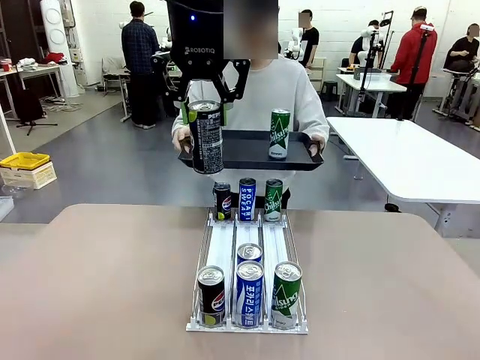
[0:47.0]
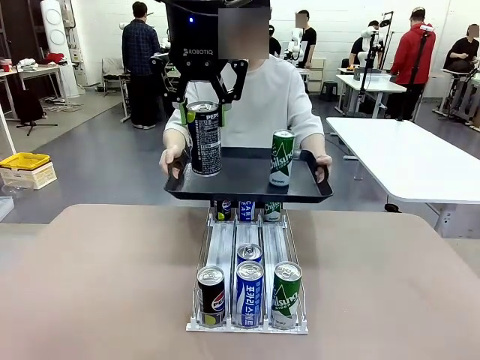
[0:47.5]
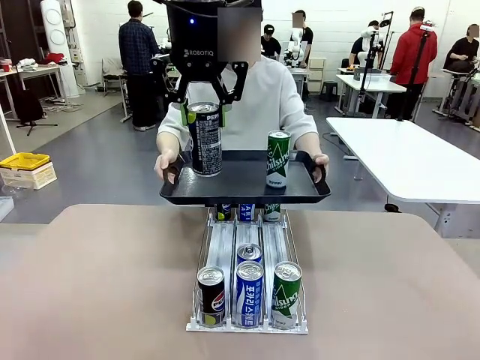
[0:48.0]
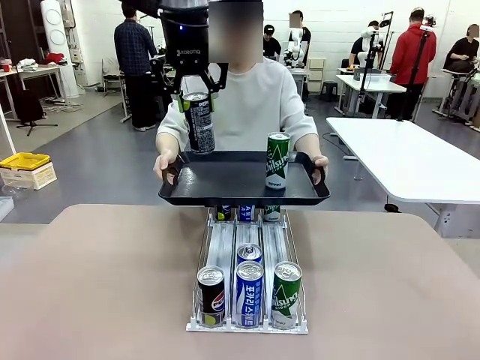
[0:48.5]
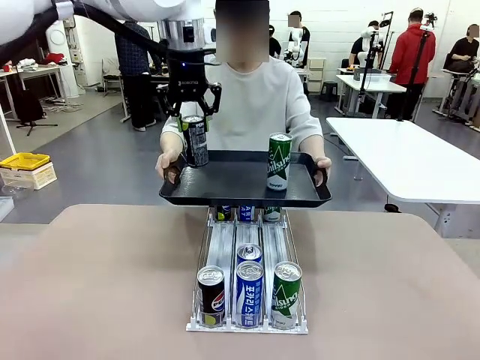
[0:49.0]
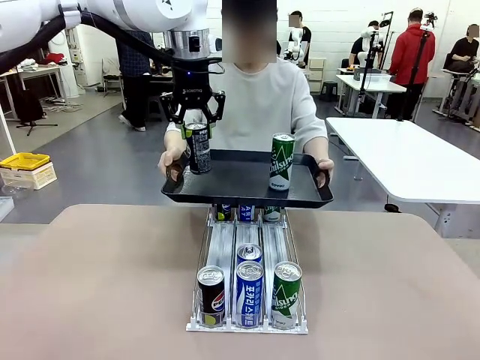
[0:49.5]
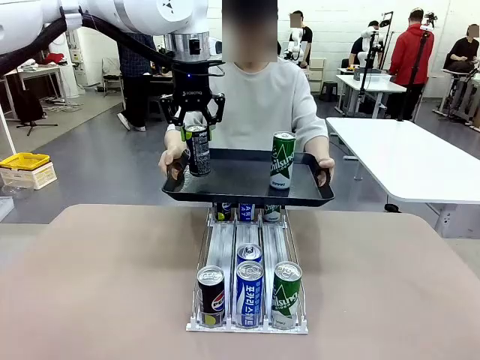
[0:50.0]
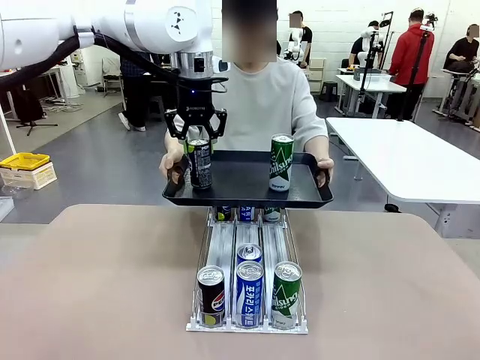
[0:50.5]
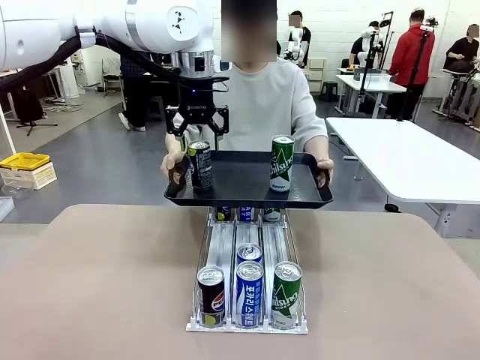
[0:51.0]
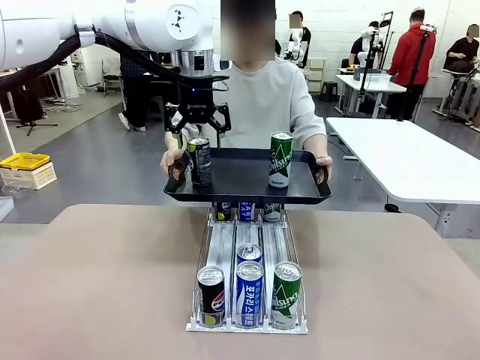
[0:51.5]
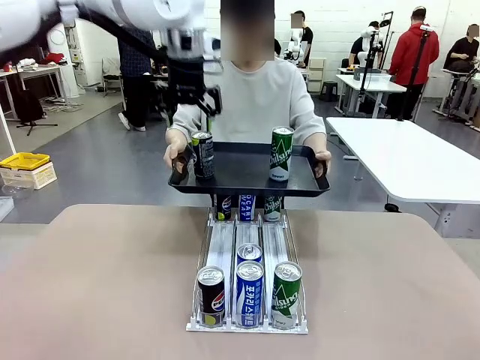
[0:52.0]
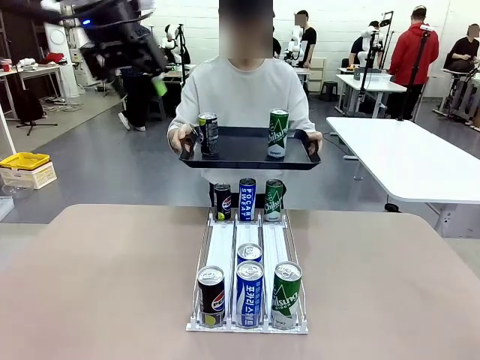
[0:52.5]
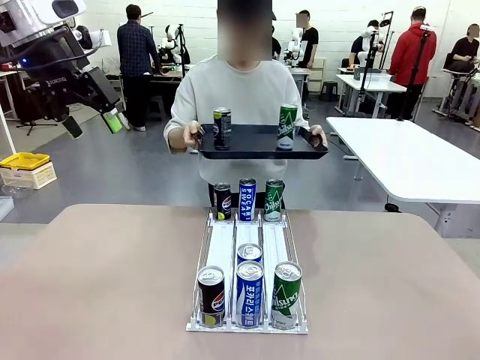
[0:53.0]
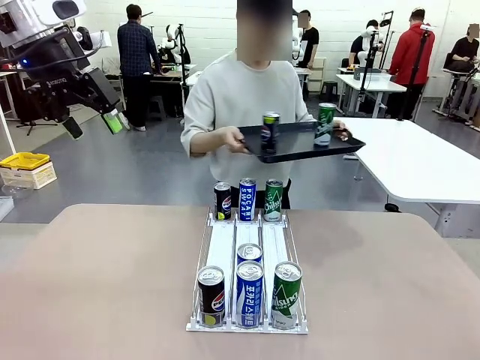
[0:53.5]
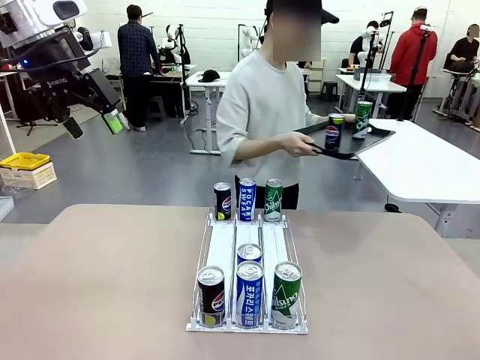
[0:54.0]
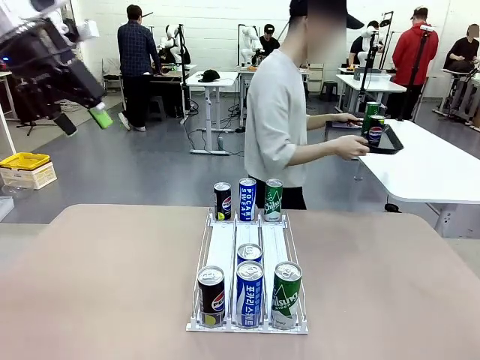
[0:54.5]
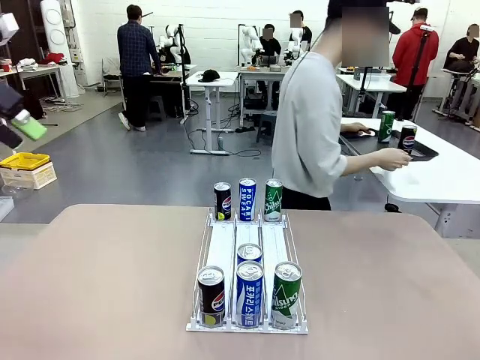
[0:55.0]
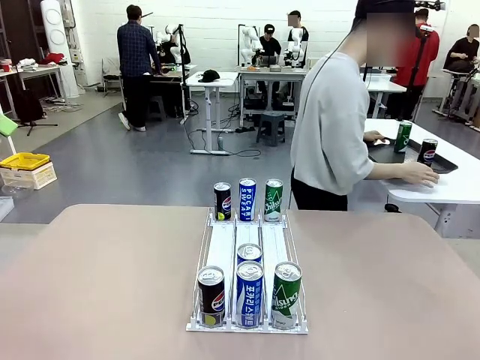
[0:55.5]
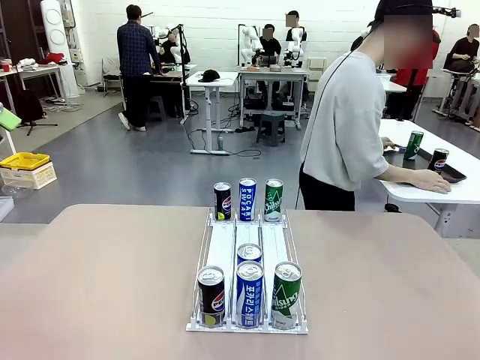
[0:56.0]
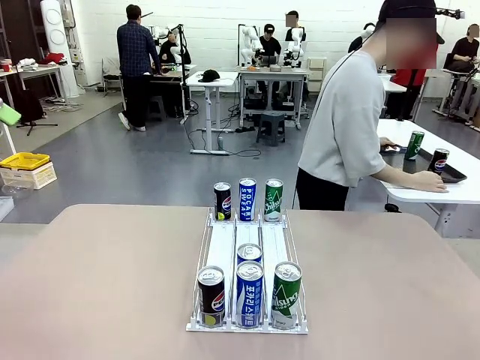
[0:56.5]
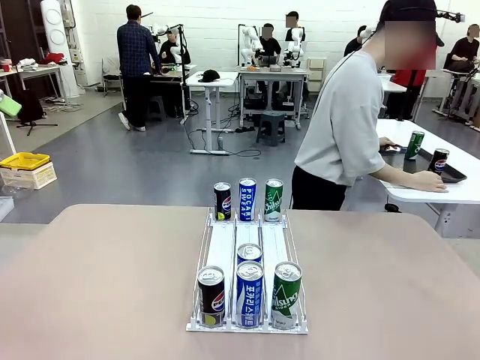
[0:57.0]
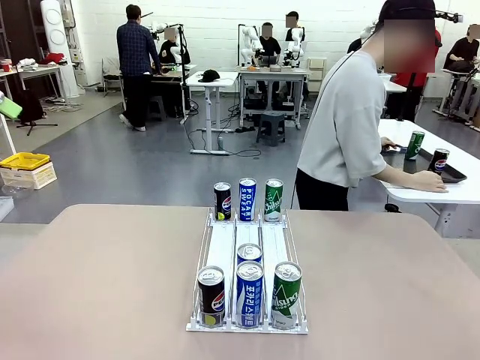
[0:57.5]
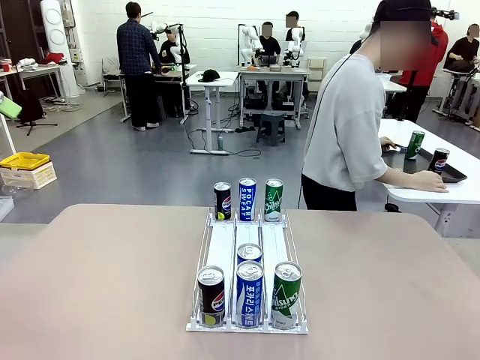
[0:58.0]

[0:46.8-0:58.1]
Task: Retrieve and hand over the desired beverage to the person.
Robot: Place the picked can on the Handle tray extended by the person.
Person: Pull the tray back and place it at the center of the human table.

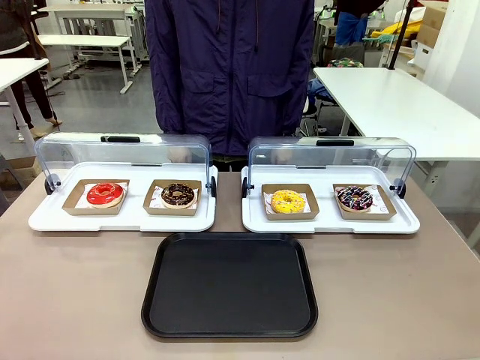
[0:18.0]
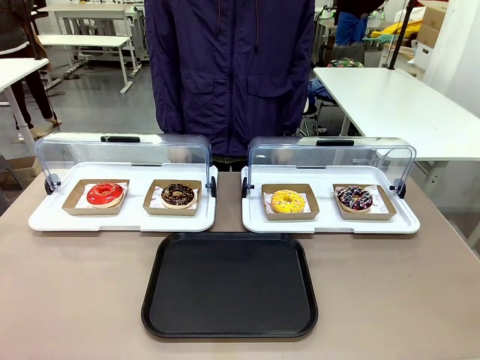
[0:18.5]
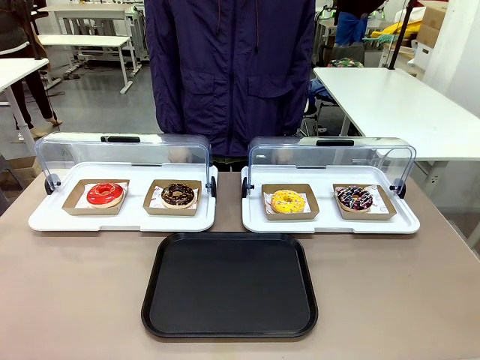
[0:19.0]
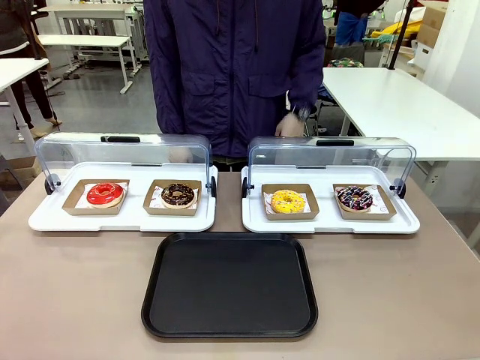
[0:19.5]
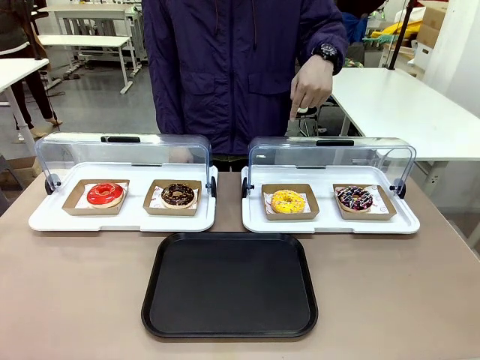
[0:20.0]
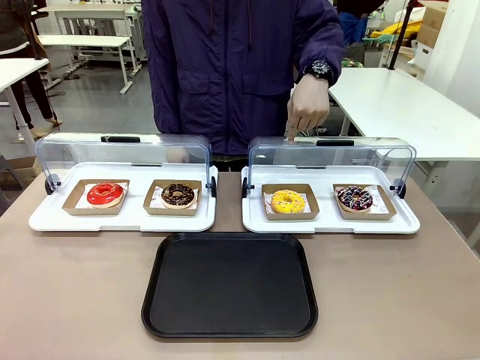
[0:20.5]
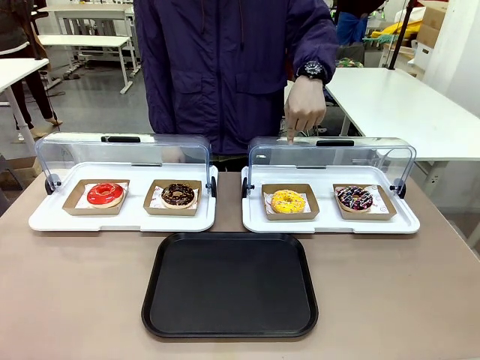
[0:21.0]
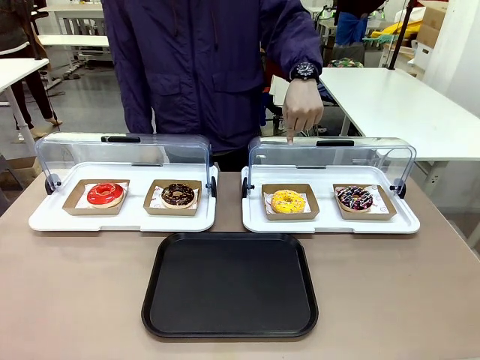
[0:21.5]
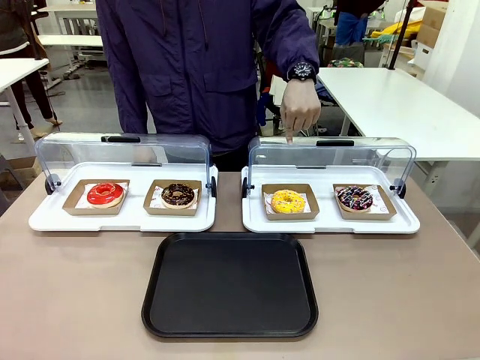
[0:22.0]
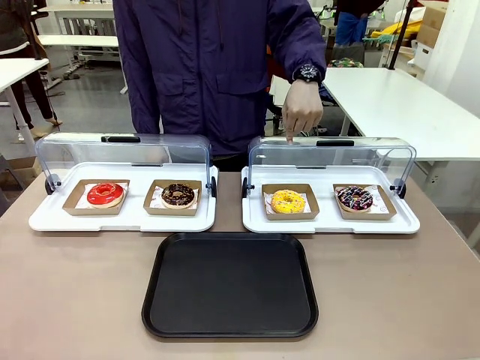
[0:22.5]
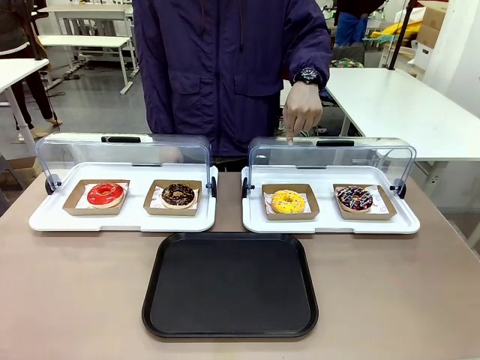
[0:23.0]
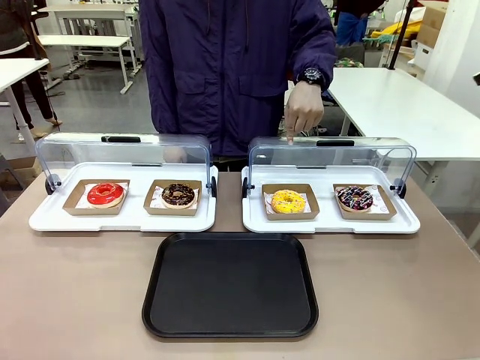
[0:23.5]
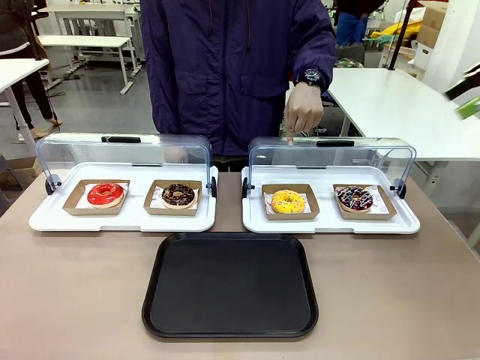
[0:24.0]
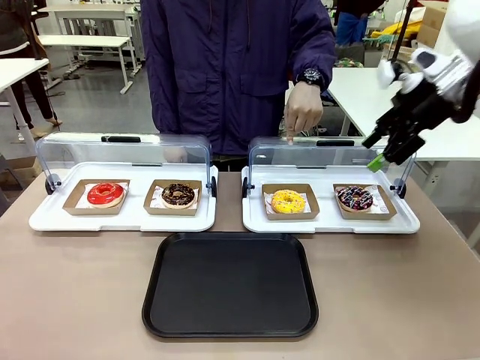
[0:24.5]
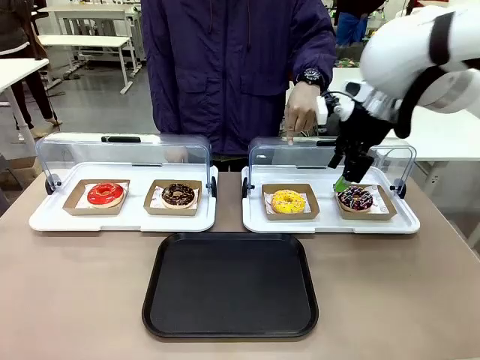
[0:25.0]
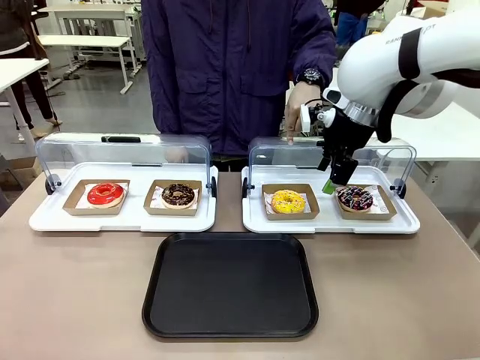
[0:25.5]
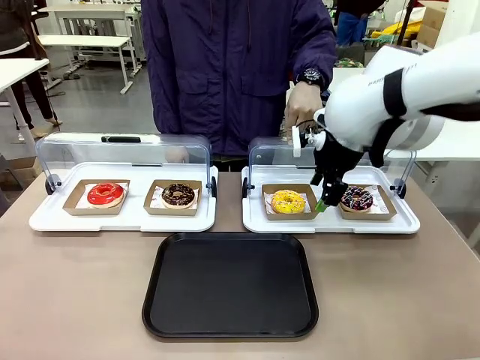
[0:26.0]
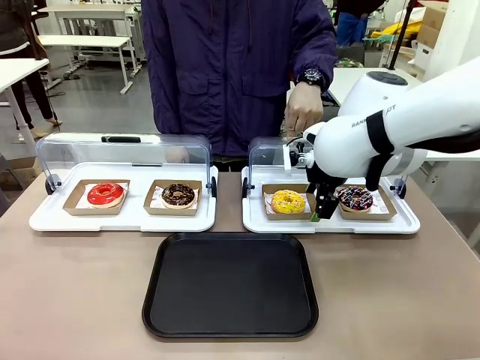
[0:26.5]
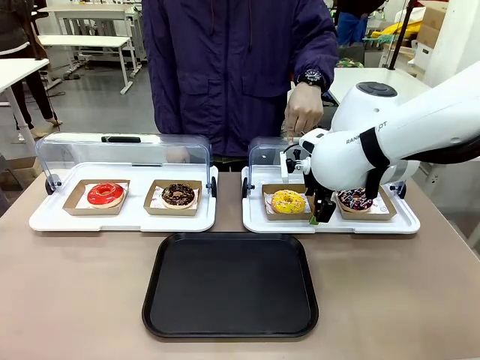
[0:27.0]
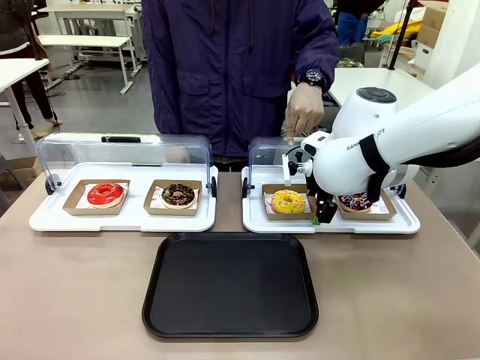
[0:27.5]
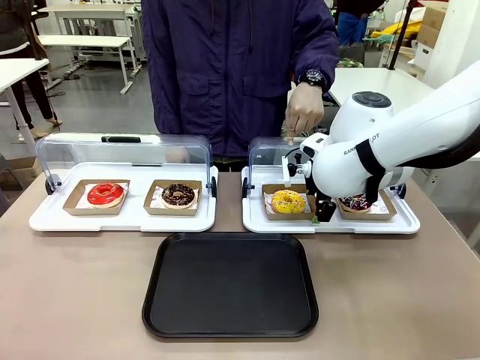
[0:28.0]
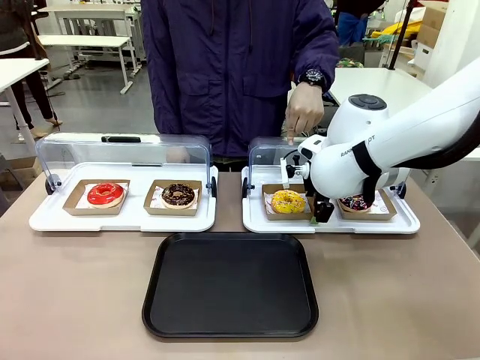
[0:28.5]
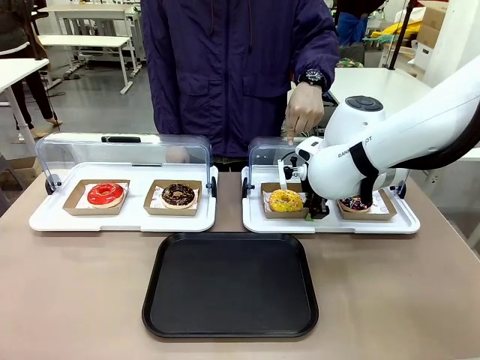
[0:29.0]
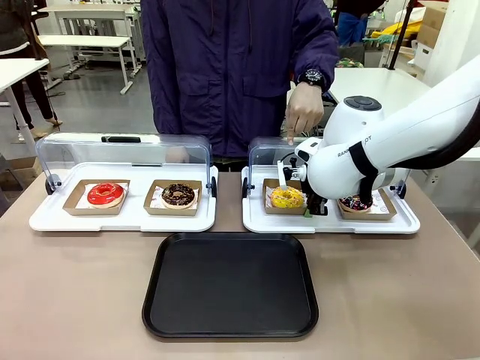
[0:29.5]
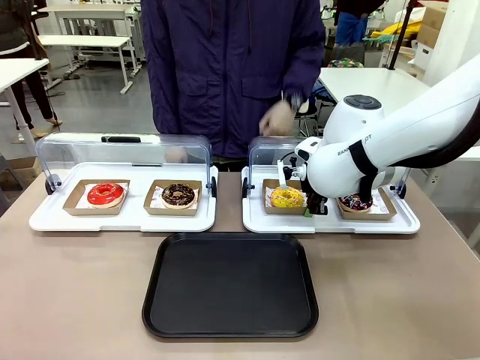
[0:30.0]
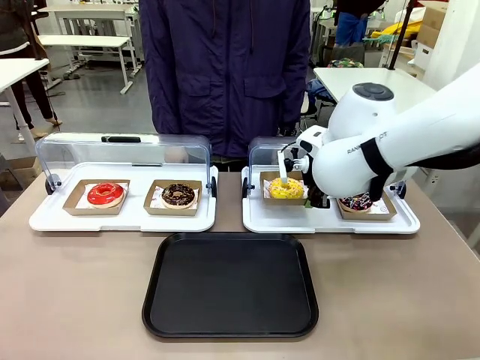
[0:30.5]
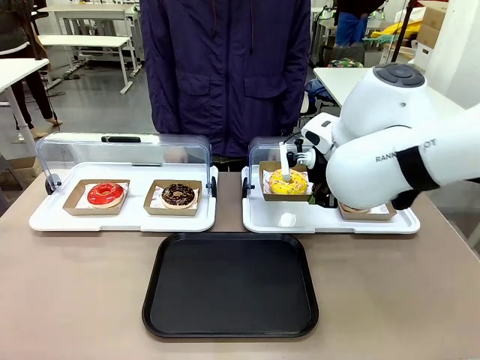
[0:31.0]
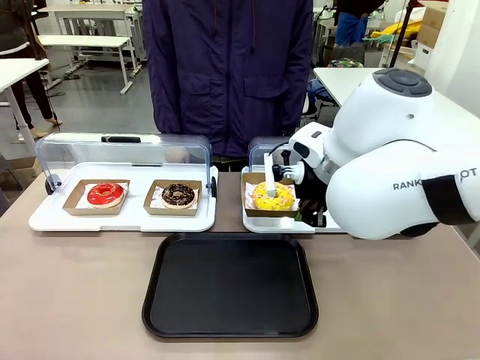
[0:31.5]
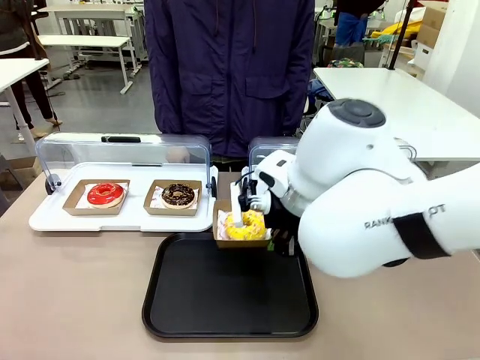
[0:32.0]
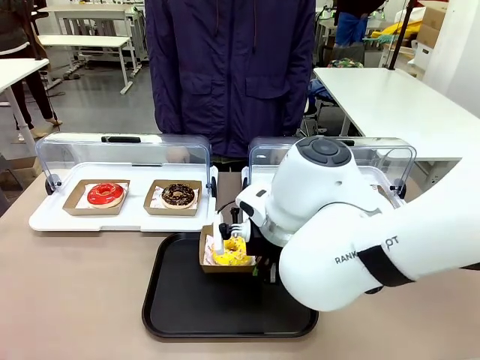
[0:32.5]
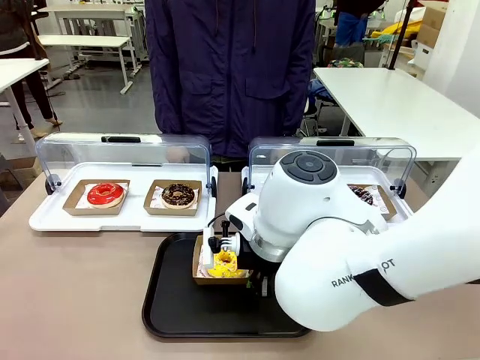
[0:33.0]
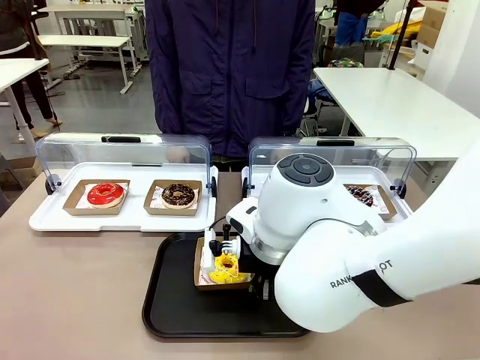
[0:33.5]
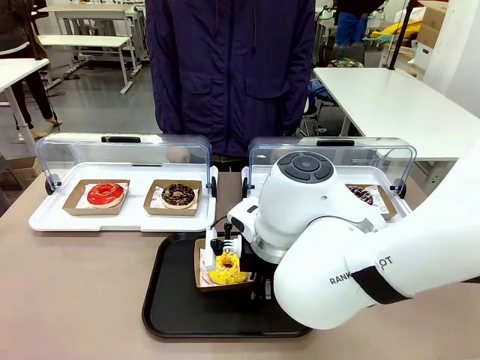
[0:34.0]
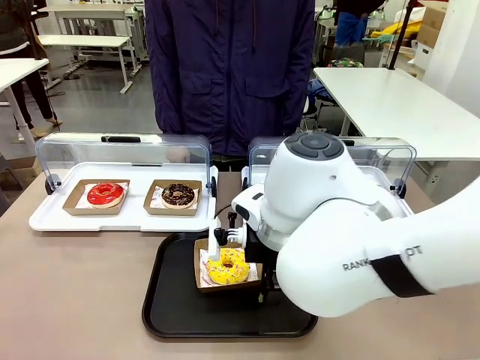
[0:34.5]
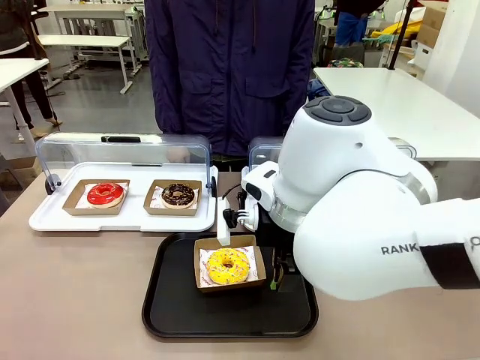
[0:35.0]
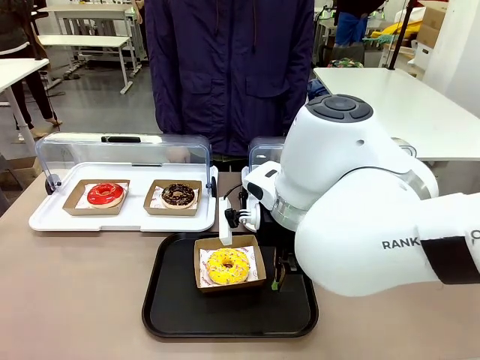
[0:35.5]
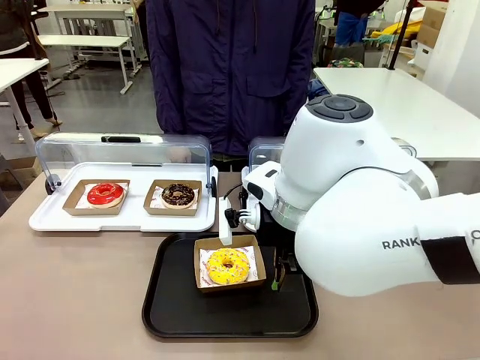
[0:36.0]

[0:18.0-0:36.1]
Task: Move the third donut from the left to the tray.
Robot: Pick up the Paper togo box containing the Donut indicated by the person and place it on the Handle tray.
Person: Points to the third donut from the left from the robot’s perspective.
